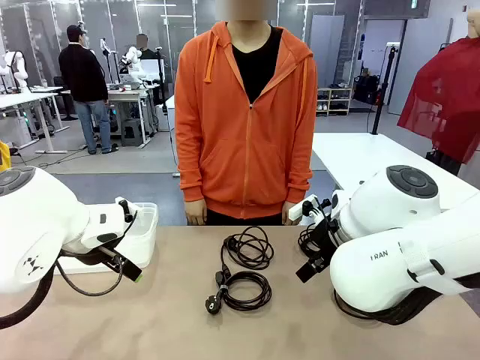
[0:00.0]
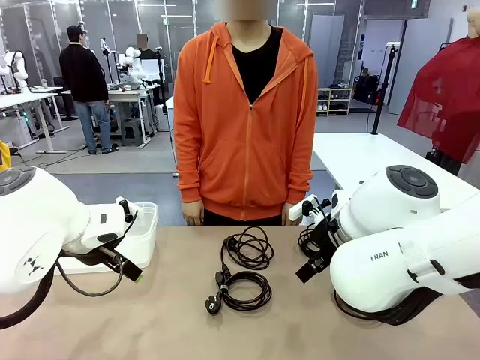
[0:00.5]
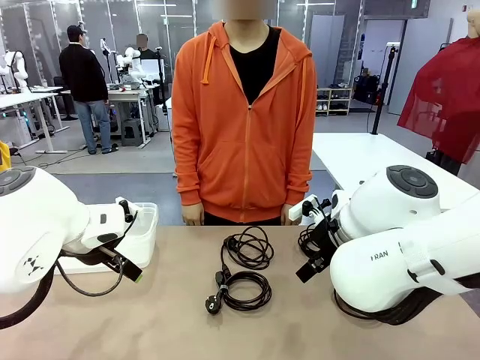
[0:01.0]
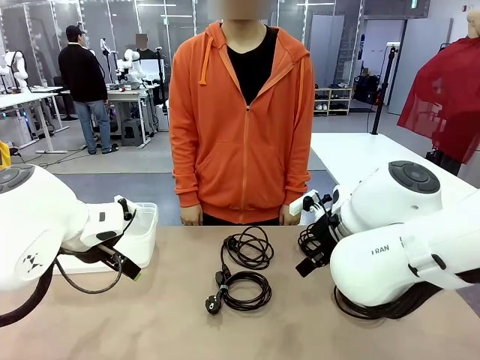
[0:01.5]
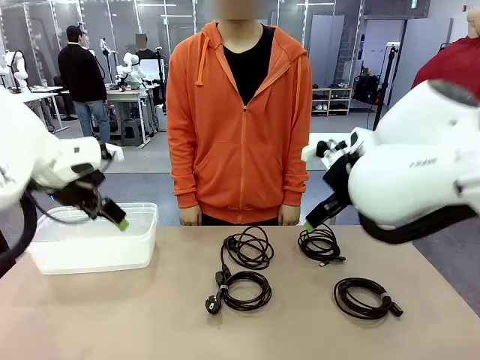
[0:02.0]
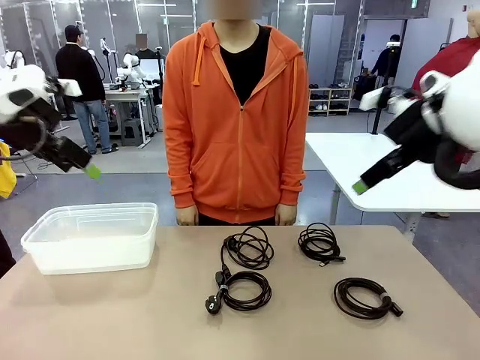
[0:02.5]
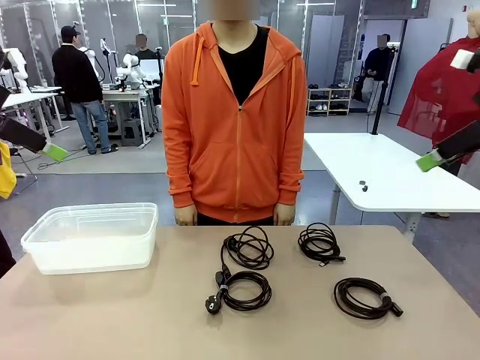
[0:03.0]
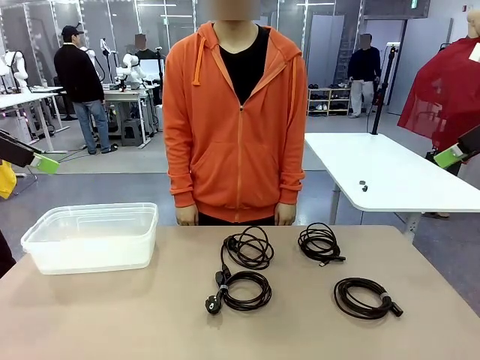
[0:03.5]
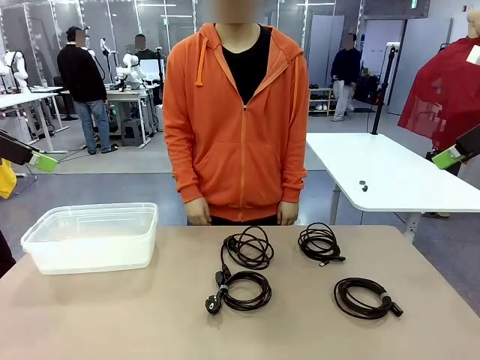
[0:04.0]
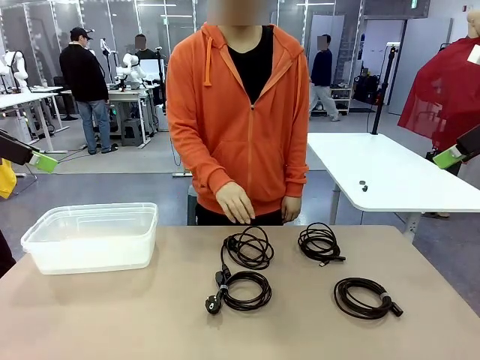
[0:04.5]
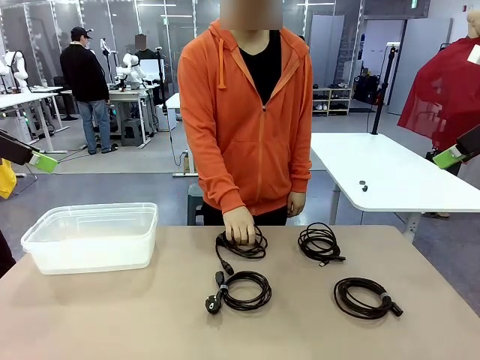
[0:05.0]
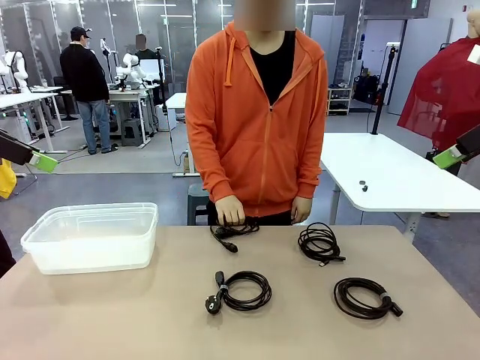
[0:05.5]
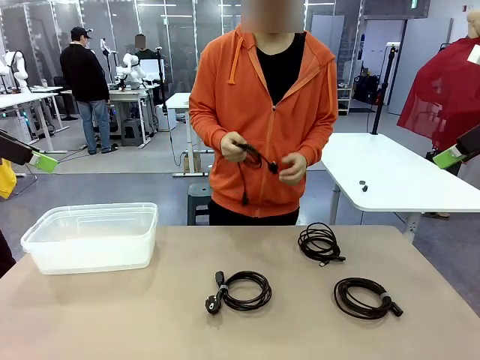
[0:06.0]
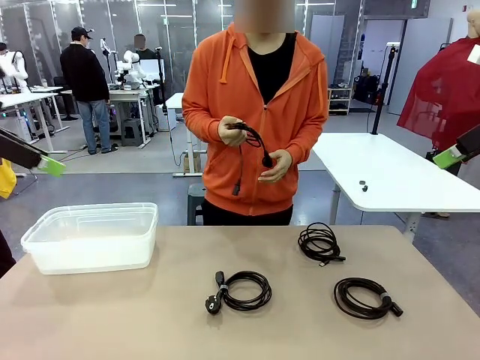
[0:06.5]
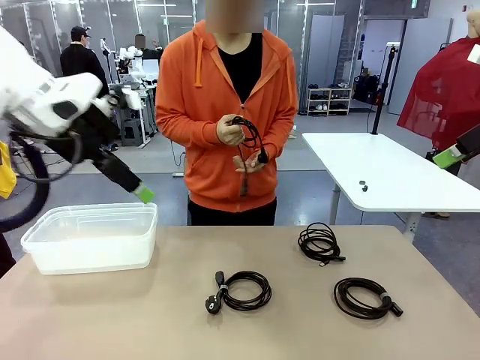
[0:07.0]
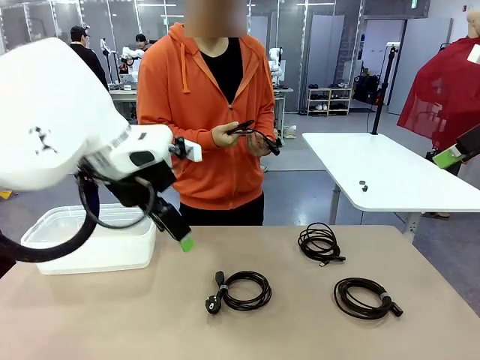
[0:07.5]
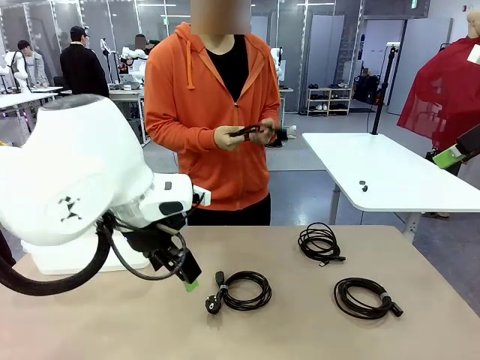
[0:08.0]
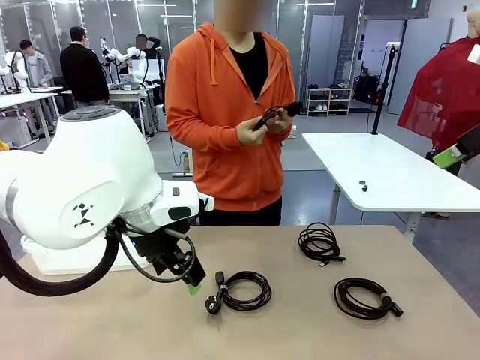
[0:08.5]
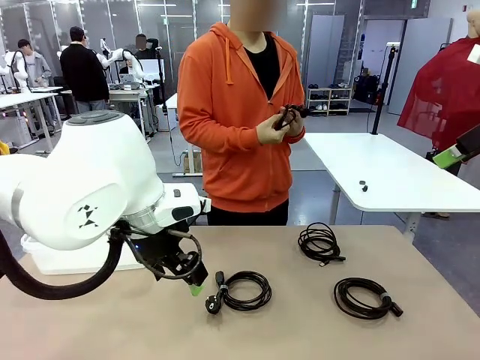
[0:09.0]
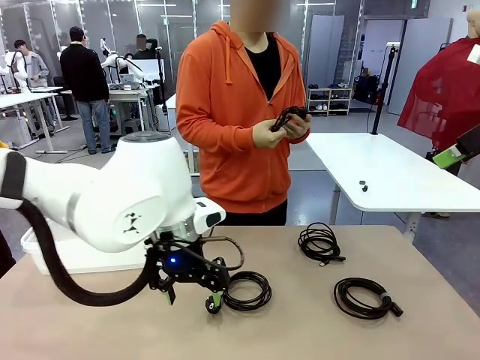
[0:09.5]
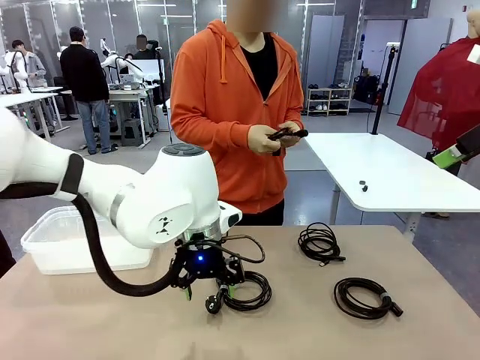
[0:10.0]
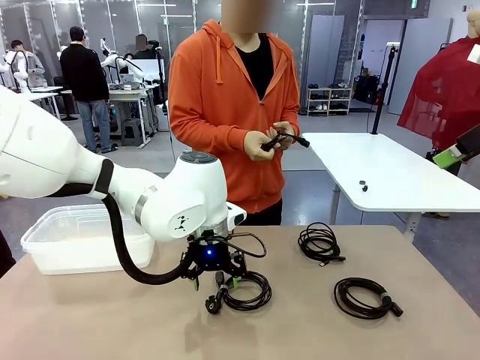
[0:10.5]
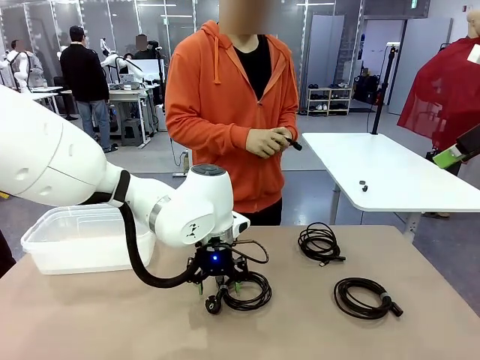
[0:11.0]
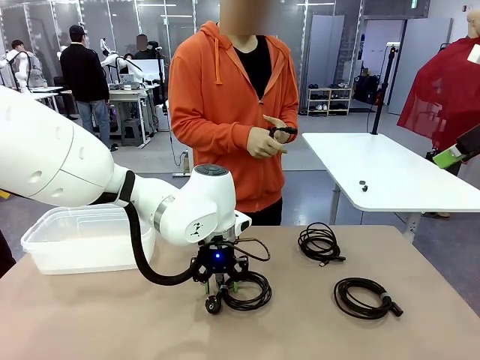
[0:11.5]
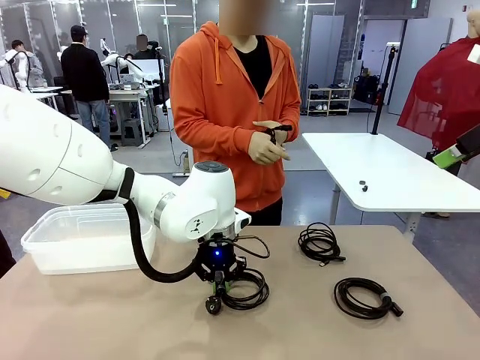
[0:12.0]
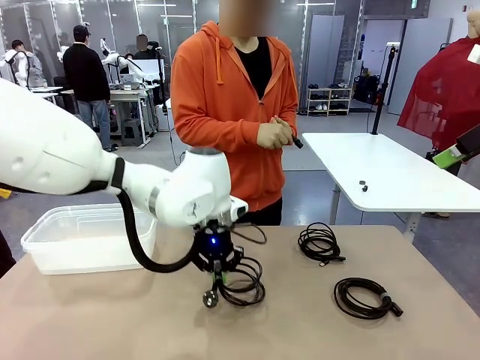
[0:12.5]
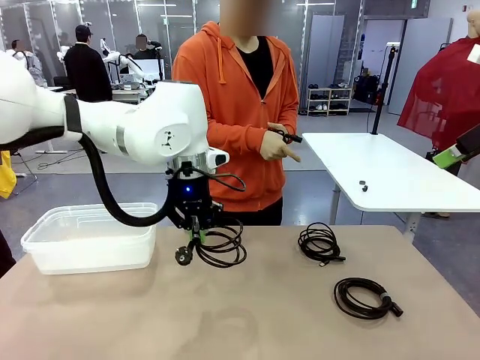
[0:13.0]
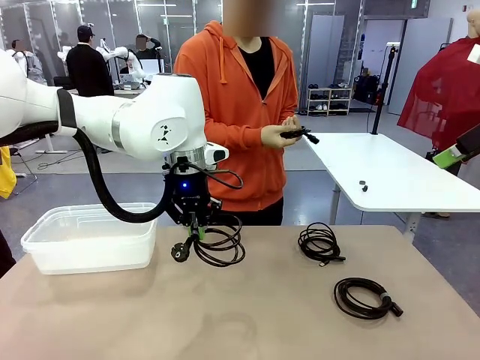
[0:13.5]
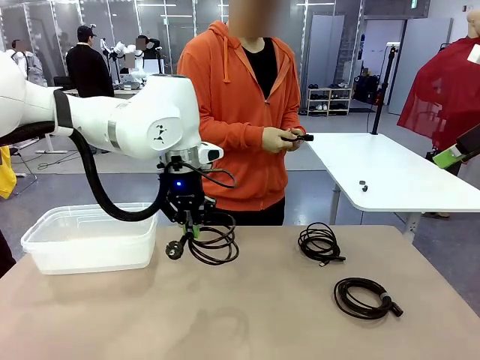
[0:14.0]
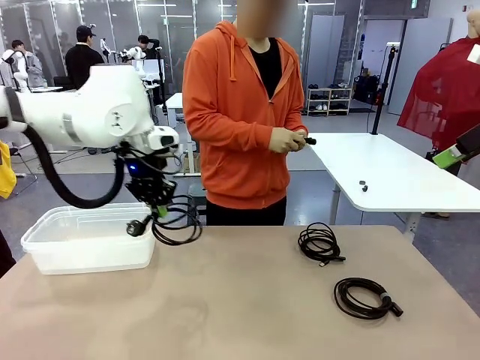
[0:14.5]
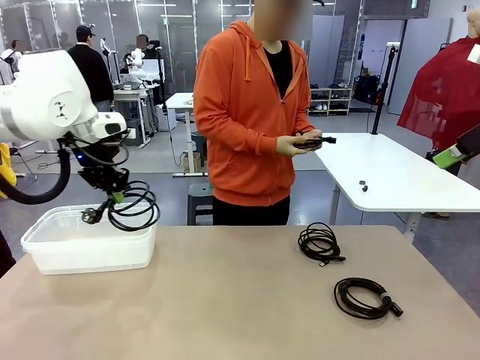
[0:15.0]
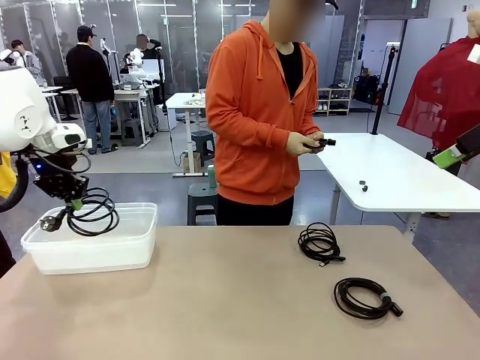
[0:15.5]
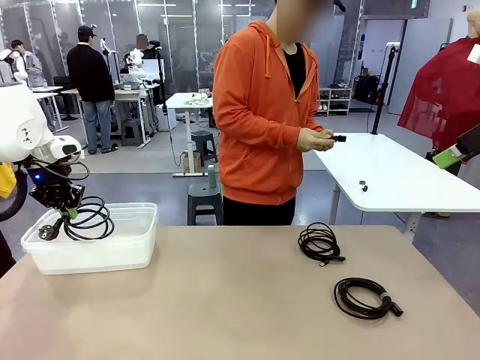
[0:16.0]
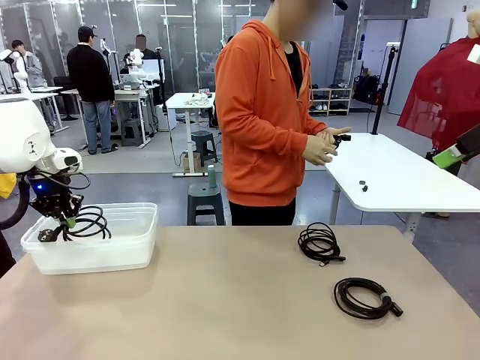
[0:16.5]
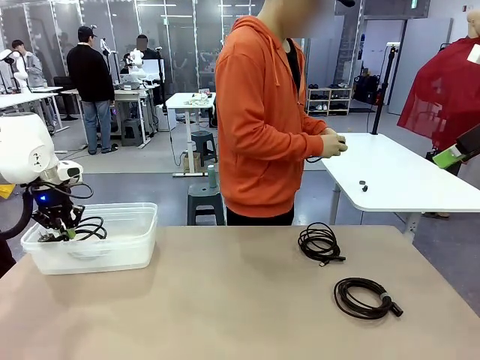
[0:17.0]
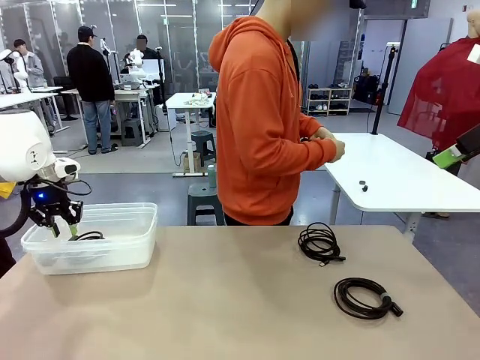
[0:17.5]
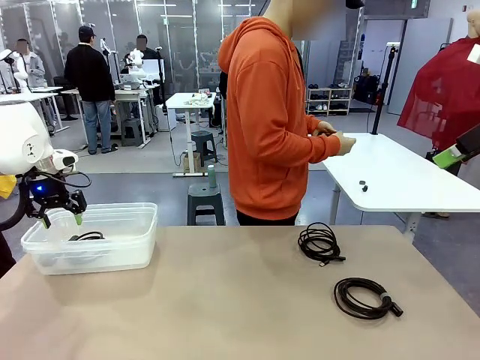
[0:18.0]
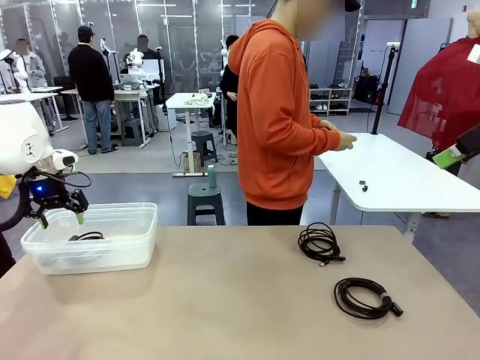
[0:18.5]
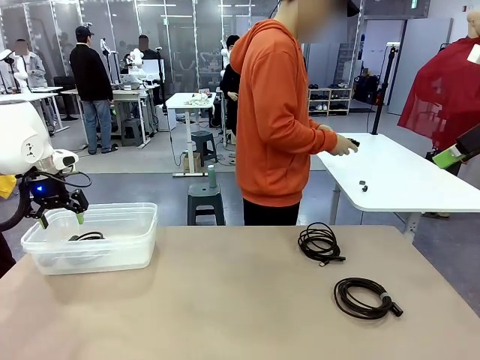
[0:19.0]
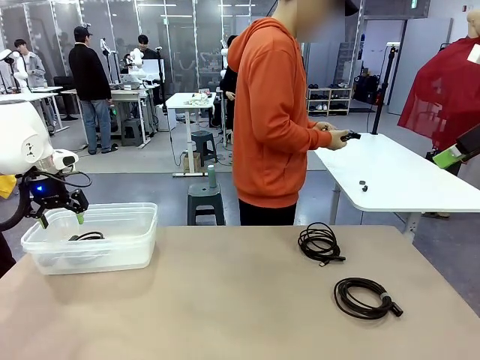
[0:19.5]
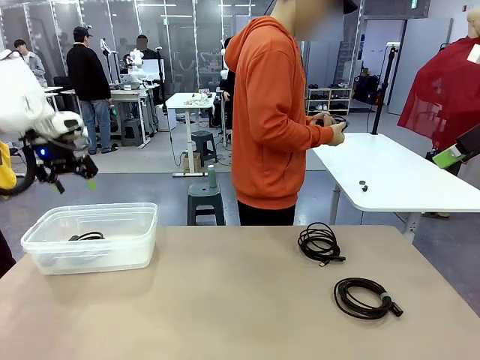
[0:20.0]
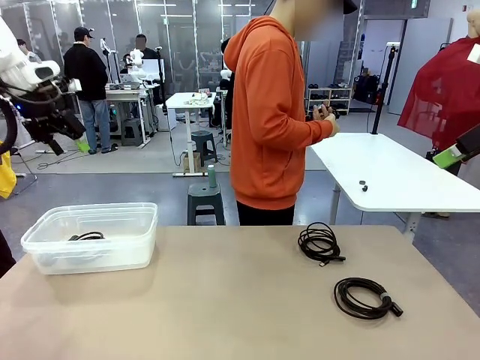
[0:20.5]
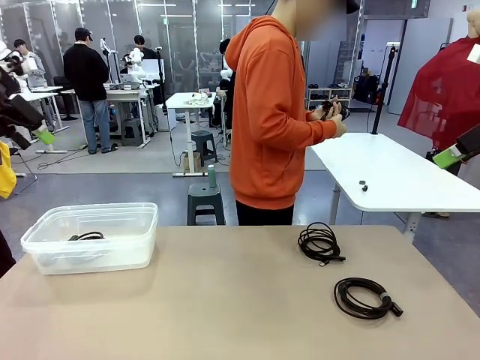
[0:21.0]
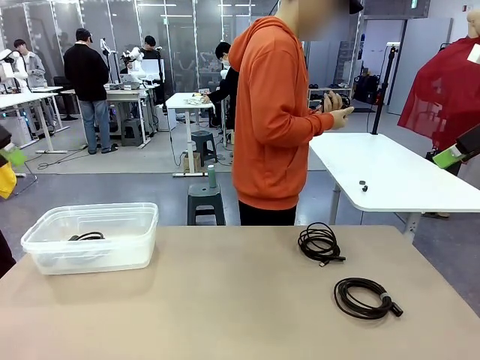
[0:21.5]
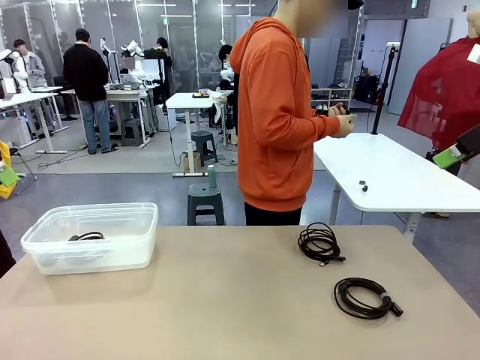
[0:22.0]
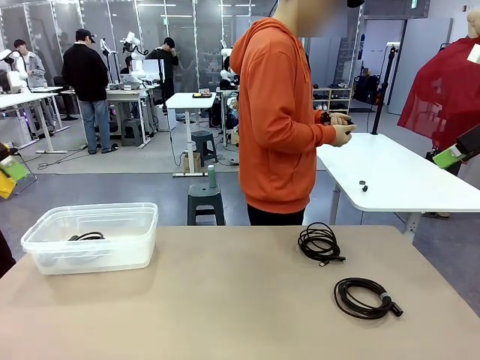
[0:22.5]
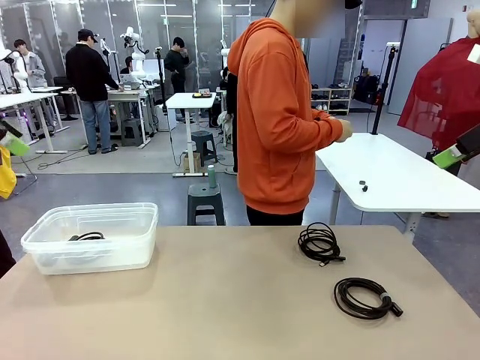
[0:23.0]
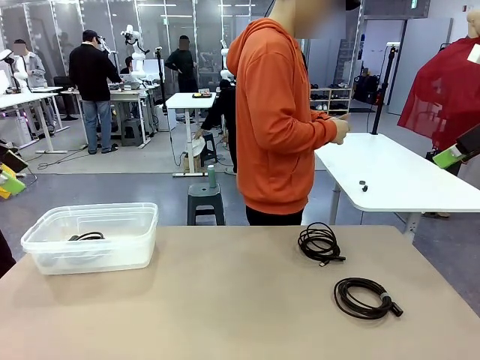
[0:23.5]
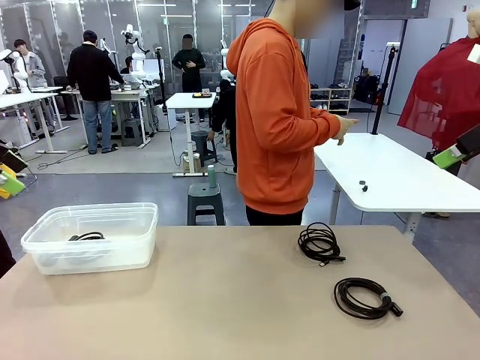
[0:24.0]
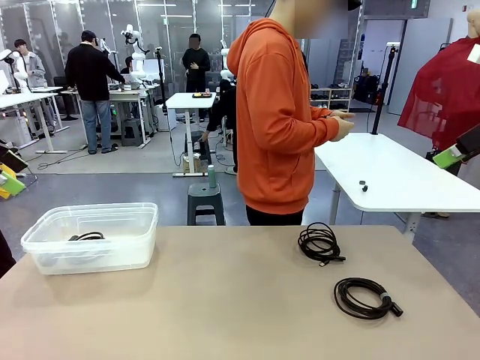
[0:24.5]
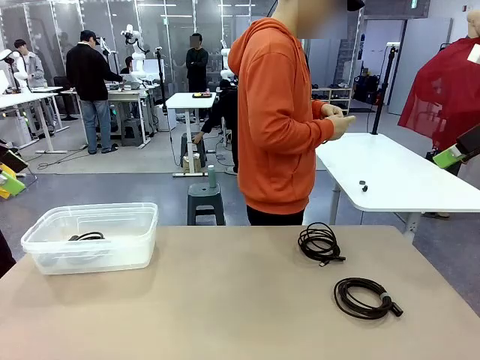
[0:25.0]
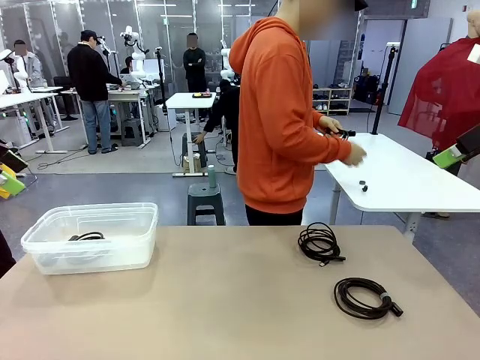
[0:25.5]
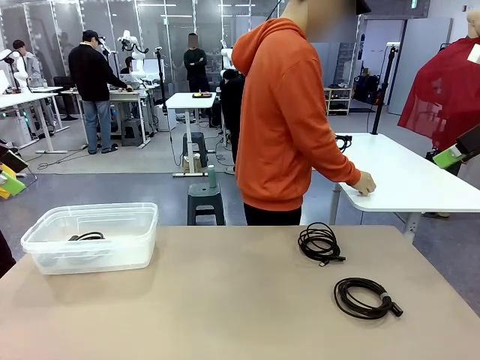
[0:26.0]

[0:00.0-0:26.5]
Task: Organize and store the cables.
Robot: Place the Power Cable into the Organizing box.
Person: Tie one Power Cable with a Reusable Cable Tie.
